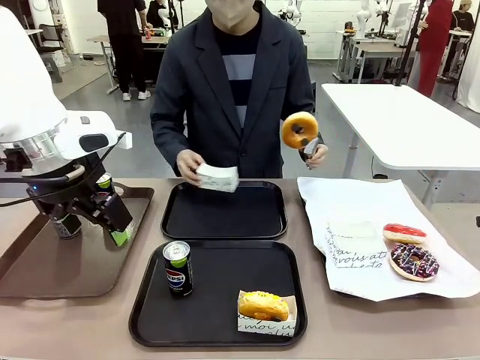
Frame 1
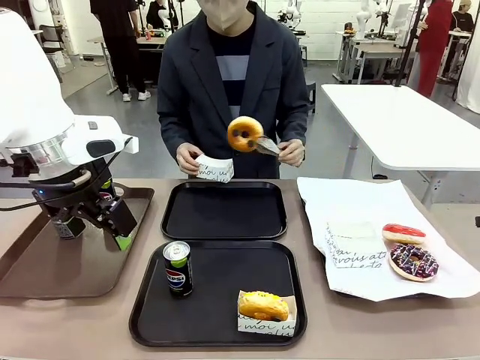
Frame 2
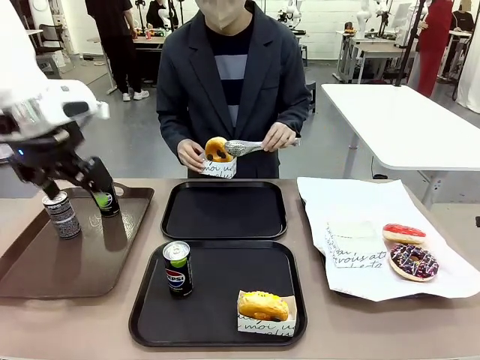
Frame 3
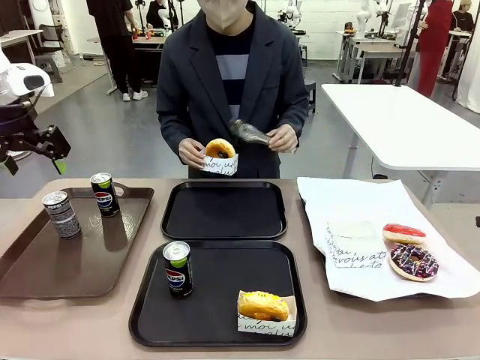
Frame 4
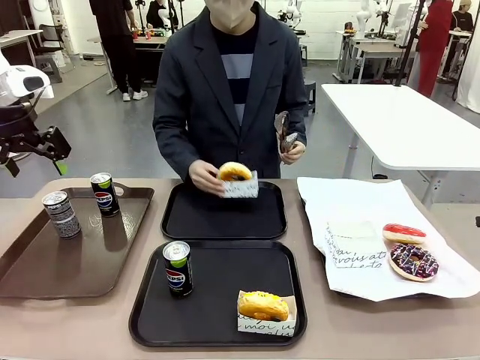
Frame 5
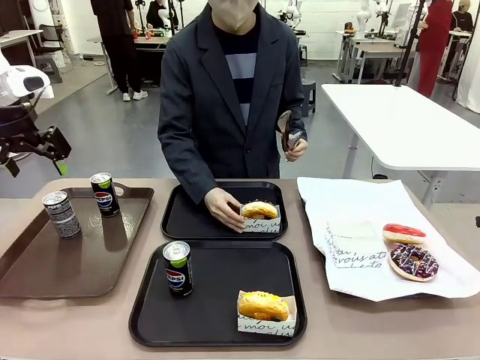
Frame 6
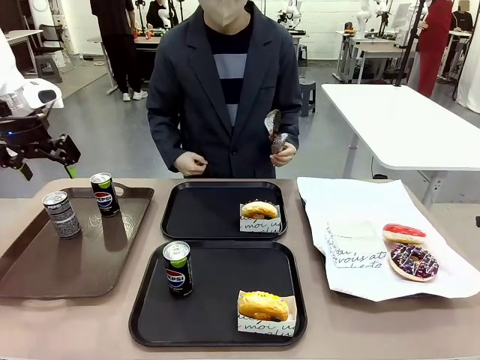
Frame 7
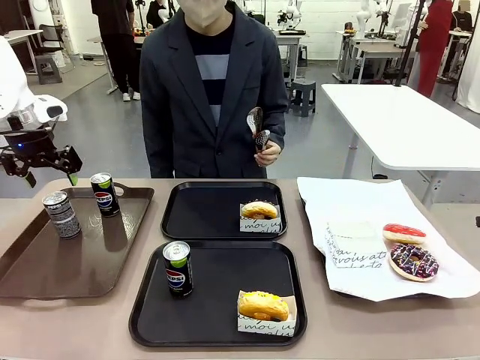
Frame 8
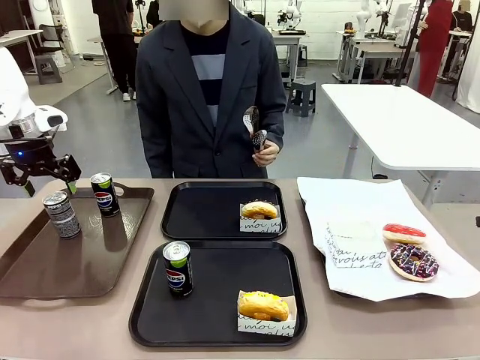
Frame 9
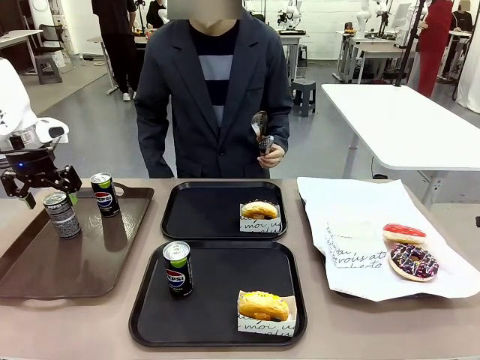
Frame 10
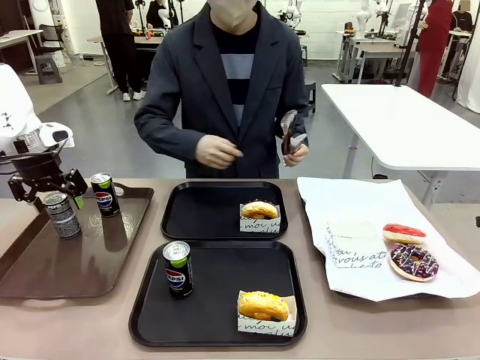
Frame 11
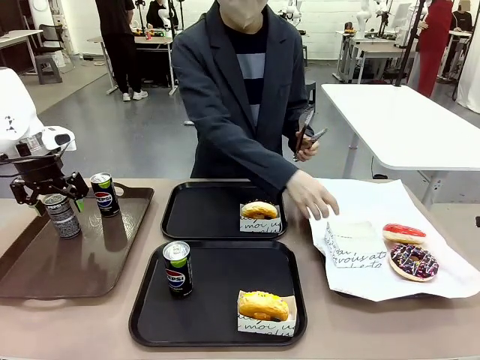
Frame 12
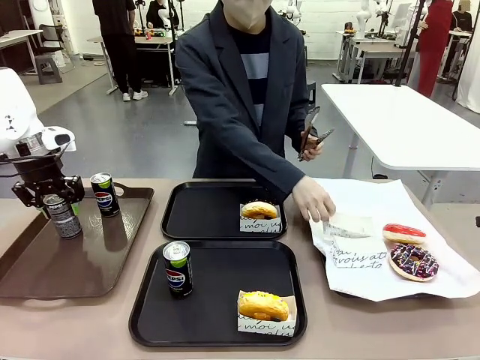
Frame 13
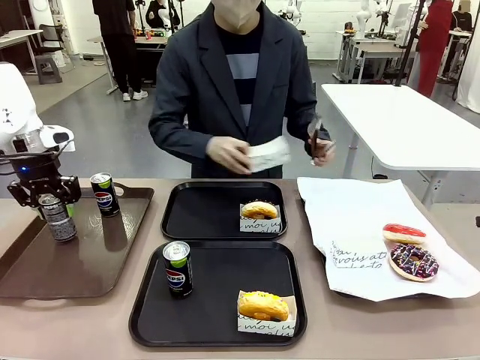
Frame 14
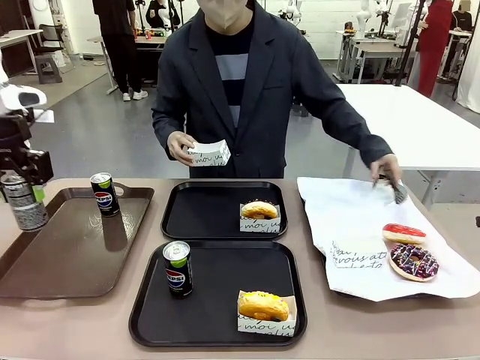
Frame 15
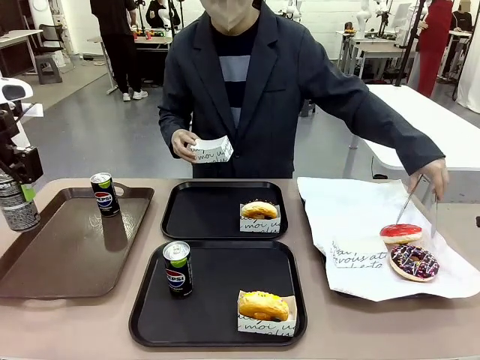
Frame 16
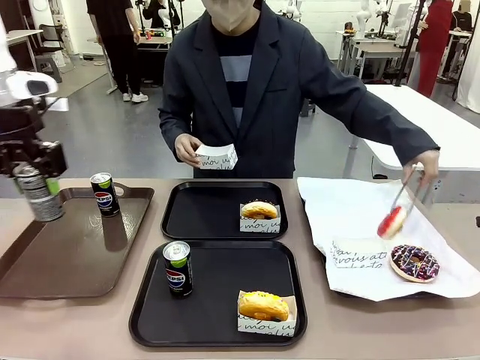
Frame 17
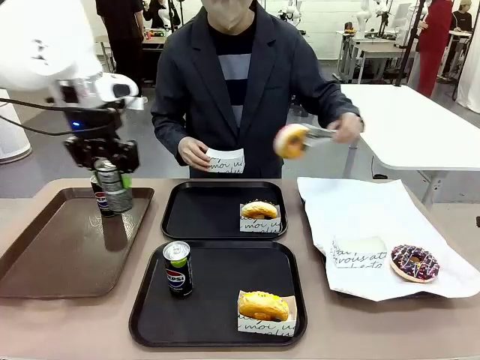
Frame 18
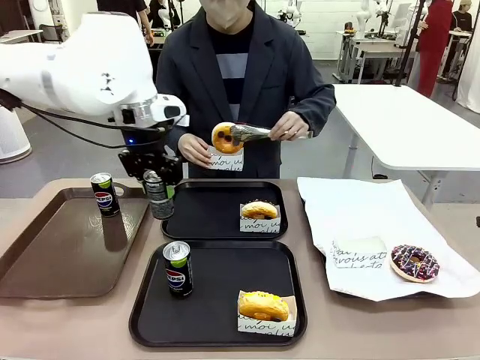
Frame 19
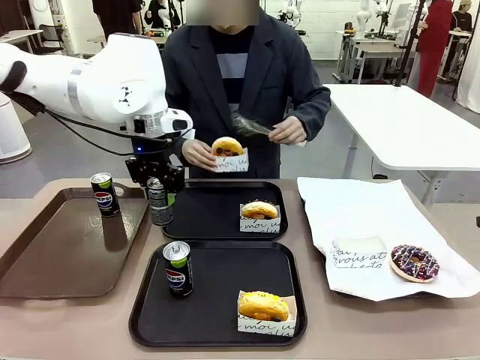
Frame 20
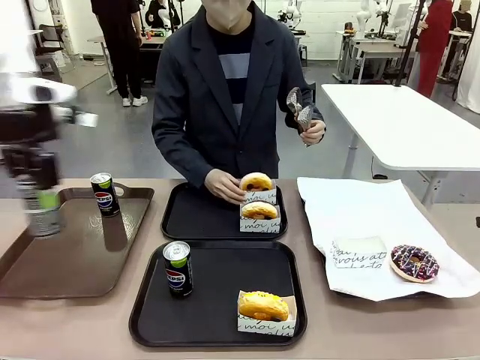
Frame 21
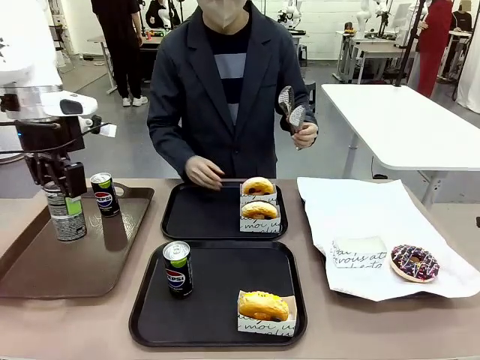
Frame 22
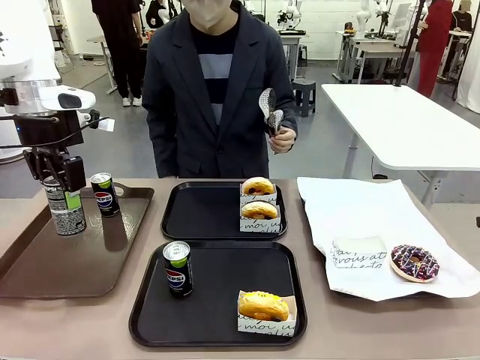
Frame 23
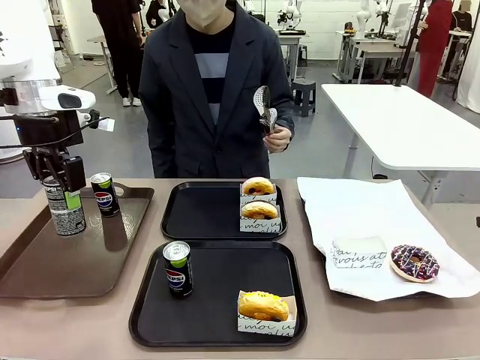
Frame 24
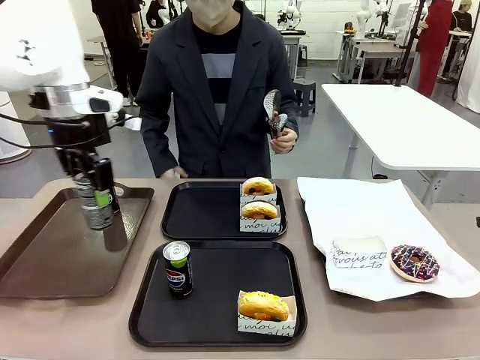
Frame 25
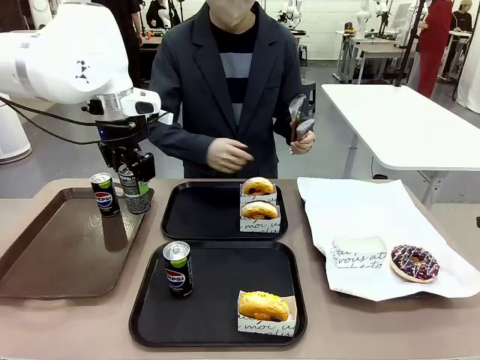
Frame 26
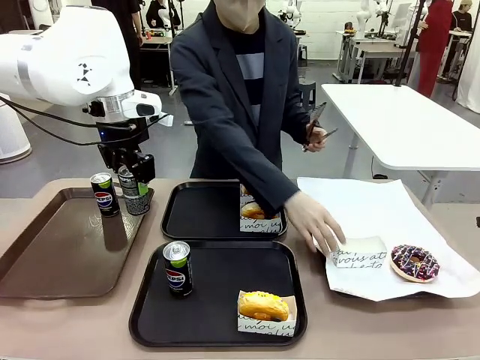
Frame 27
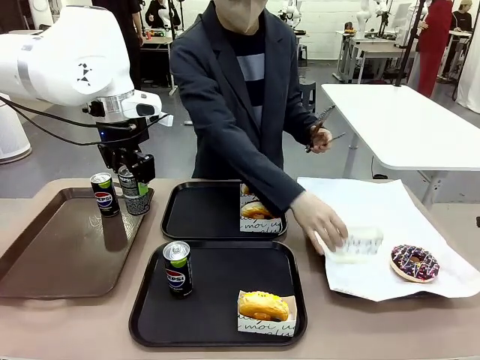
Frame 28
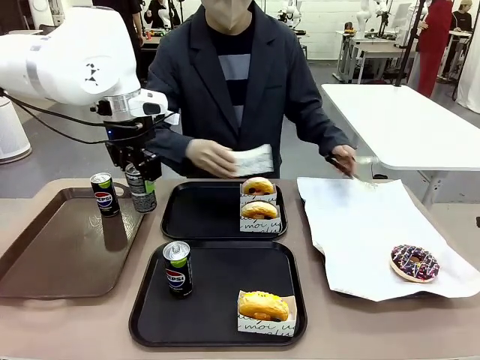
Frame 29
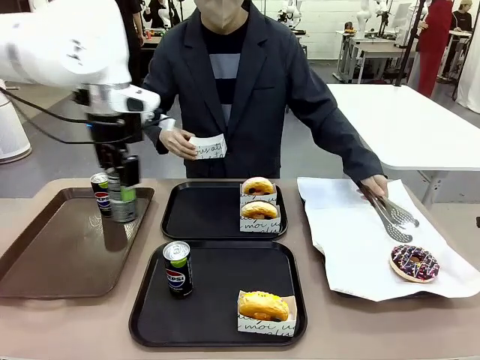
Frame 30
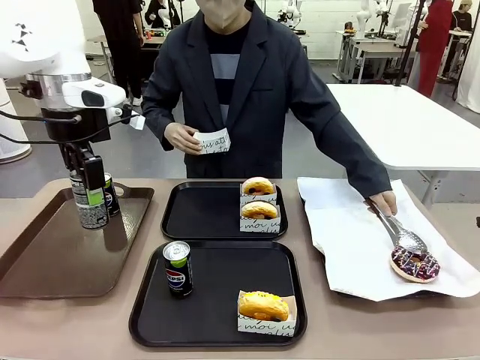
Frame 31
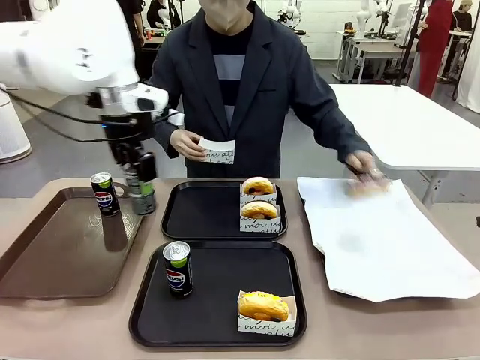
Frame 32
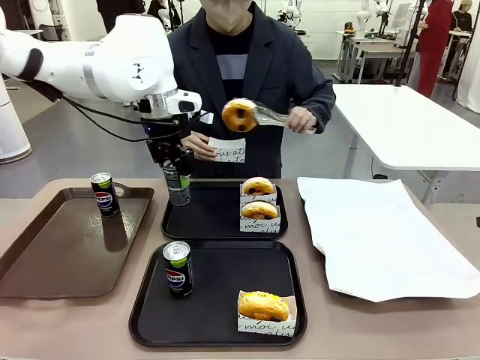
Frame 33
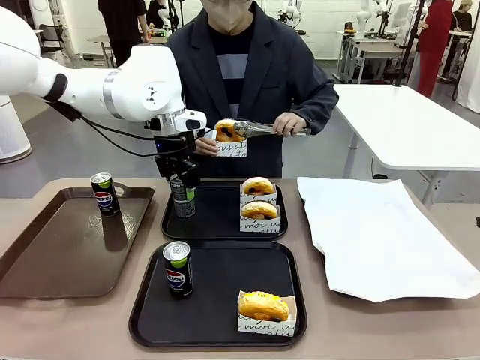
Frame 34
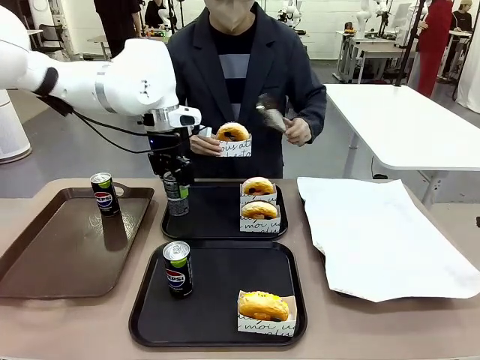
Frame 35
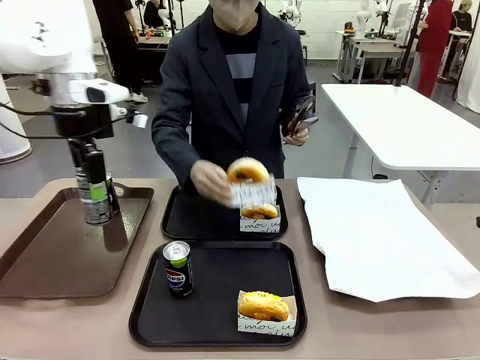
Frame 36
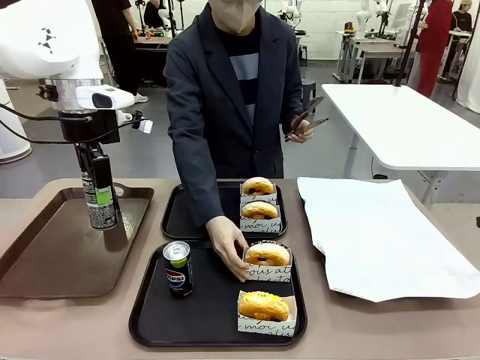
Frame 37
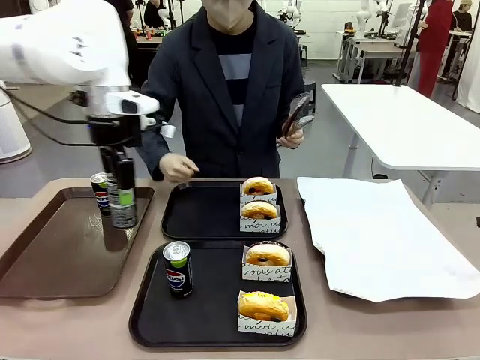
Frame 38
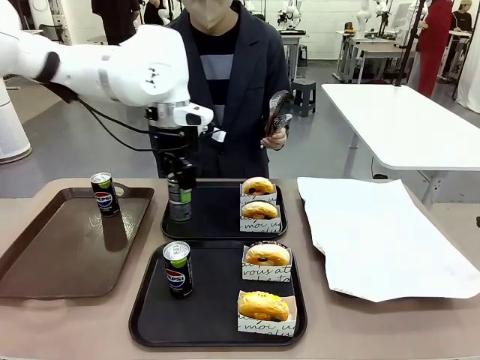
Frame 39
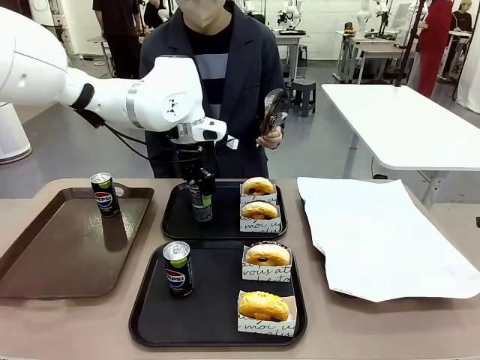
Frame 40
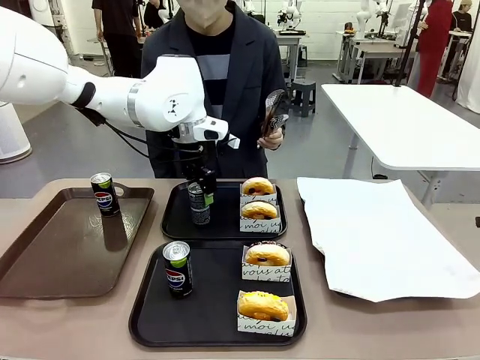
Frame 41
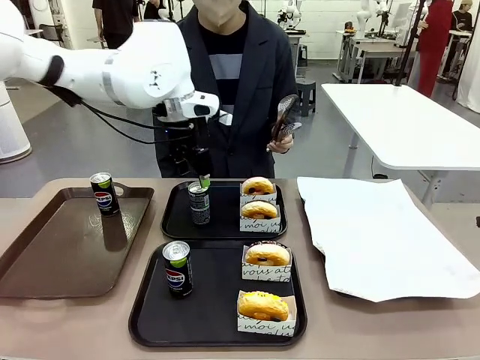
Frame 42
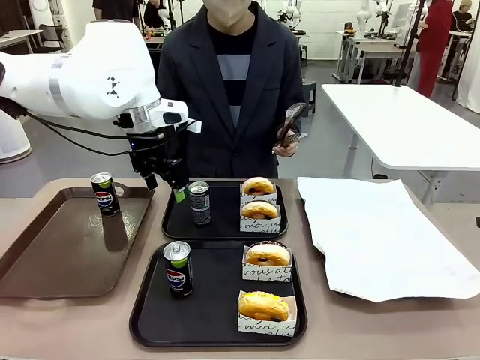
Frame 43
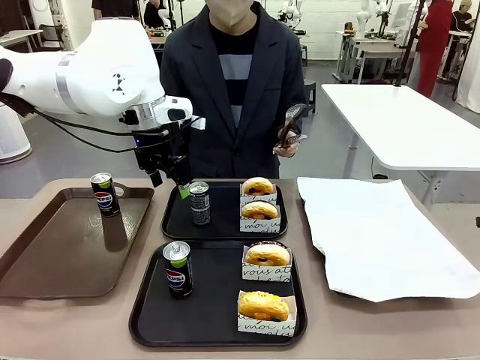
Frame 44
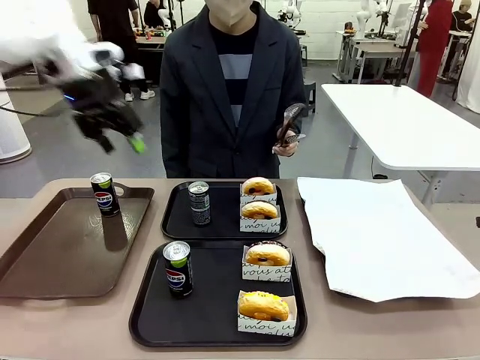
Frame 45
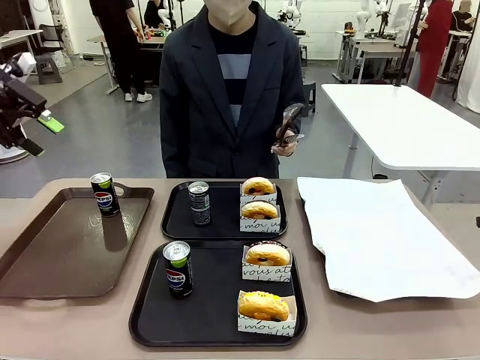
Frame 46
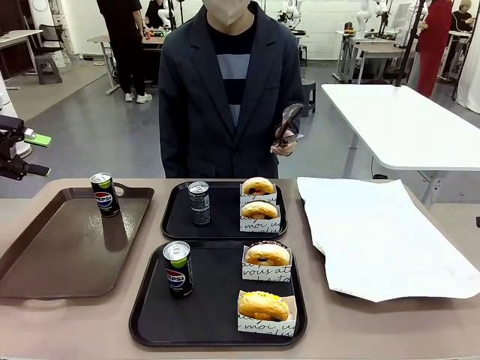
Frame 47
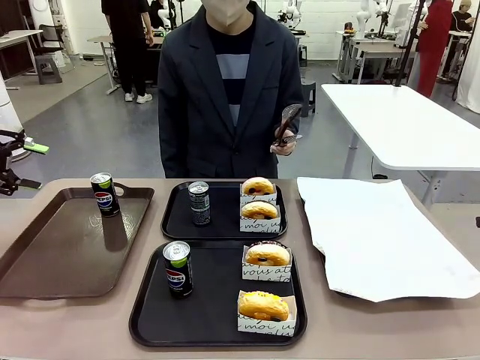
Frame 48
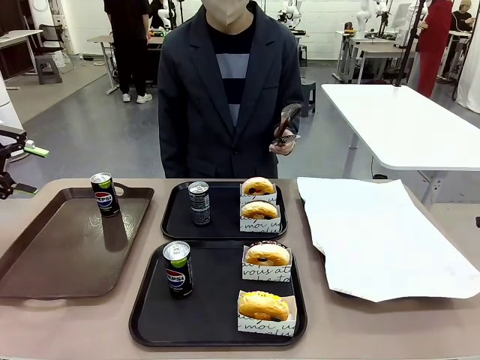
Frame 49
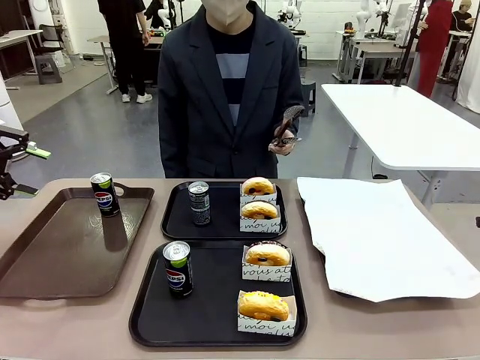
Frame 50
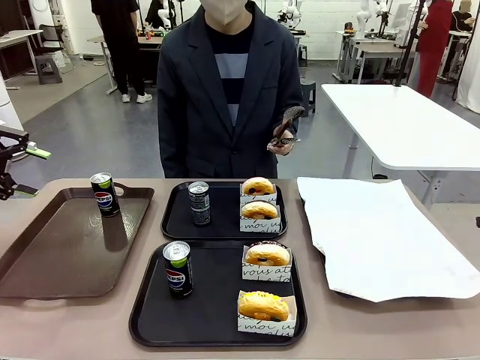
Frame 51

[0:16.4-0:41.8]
Task: Set up donuts and drinks on trays.
Robot: Pick up one Pepsi coke from the Handle tray and place it on the Flat Tray without a Pepsi coke.
Person: Pick up one donut with tongs, place it in the donut tray, and then place the donut tray on the flat tray.
